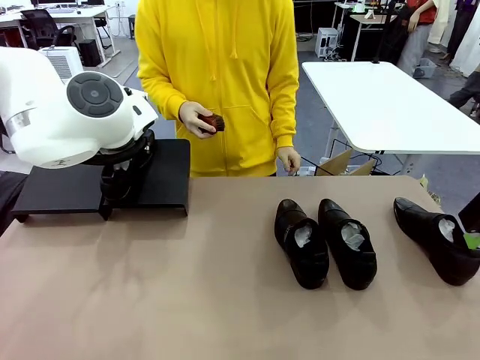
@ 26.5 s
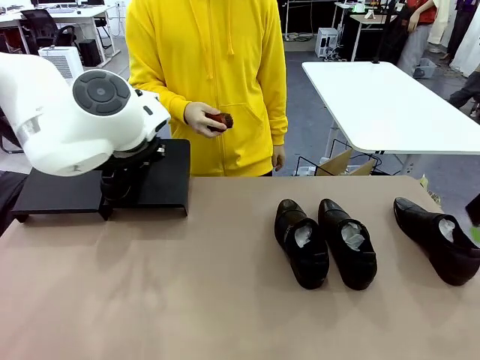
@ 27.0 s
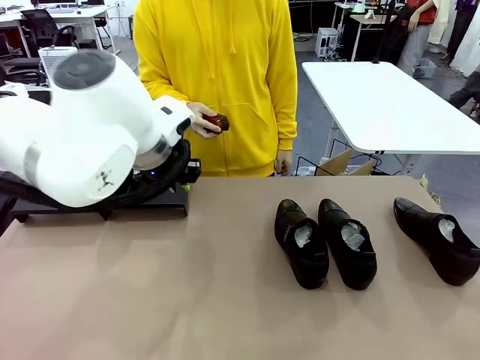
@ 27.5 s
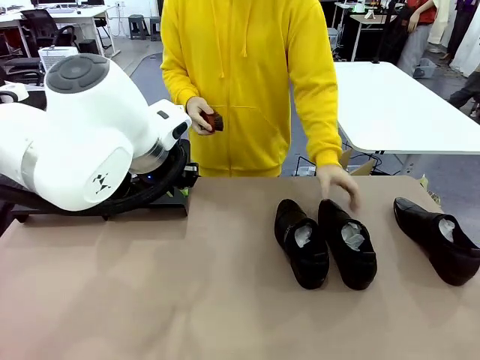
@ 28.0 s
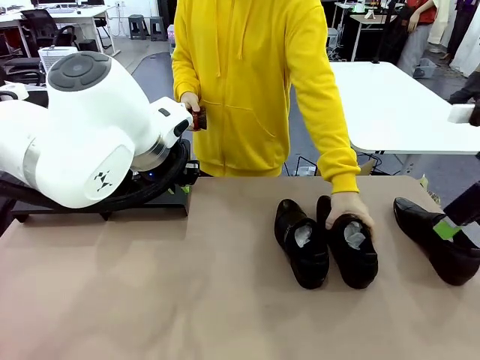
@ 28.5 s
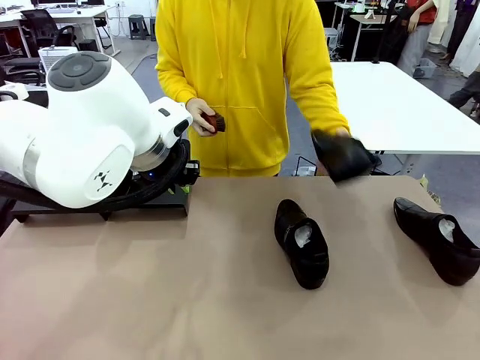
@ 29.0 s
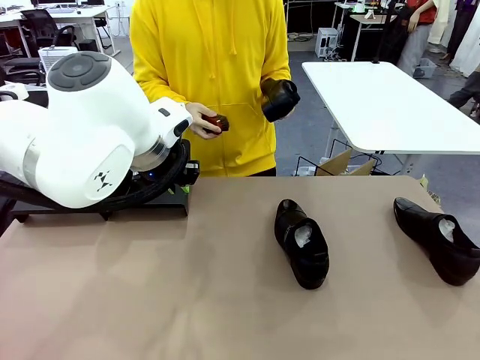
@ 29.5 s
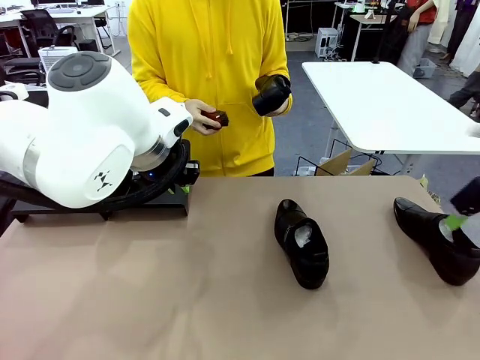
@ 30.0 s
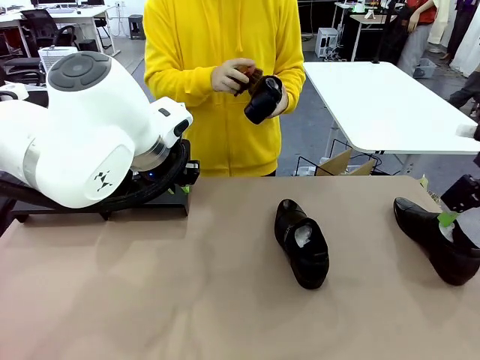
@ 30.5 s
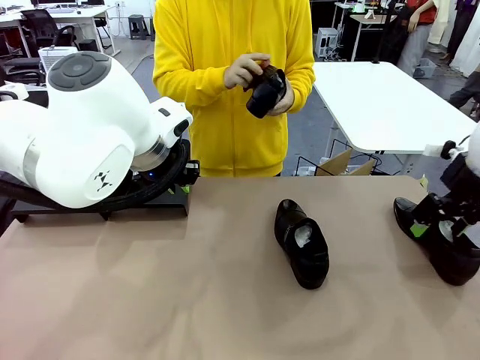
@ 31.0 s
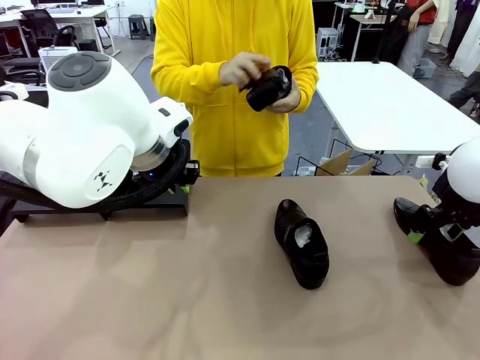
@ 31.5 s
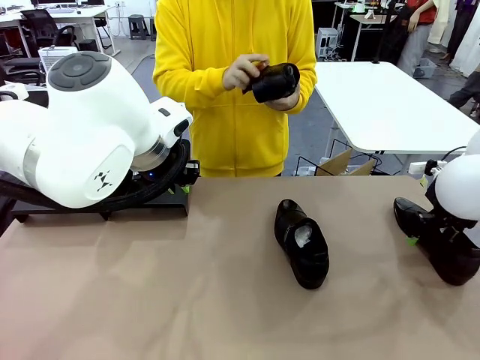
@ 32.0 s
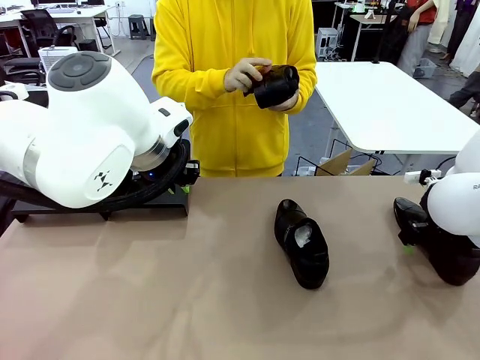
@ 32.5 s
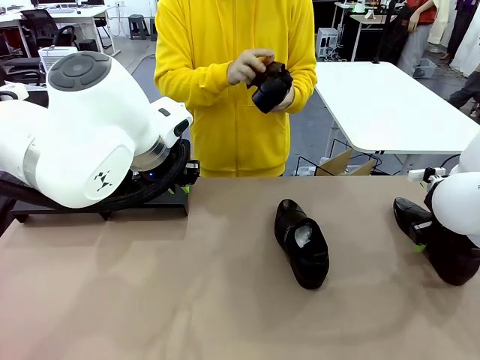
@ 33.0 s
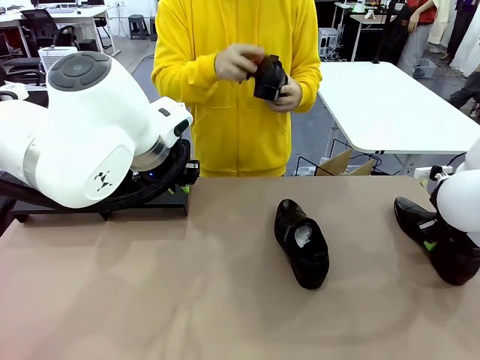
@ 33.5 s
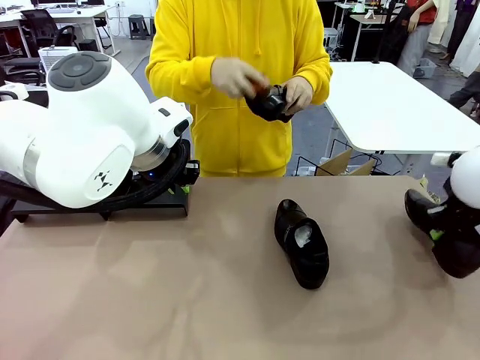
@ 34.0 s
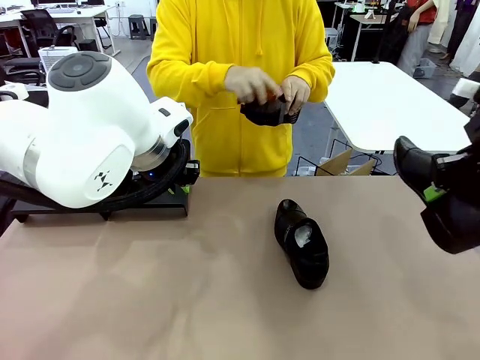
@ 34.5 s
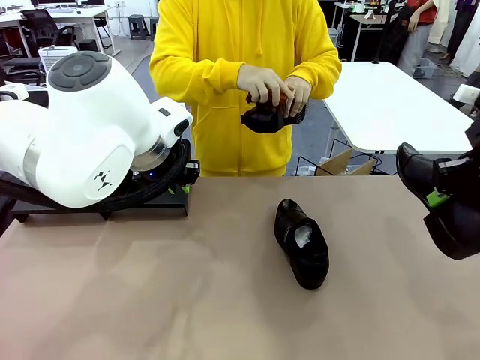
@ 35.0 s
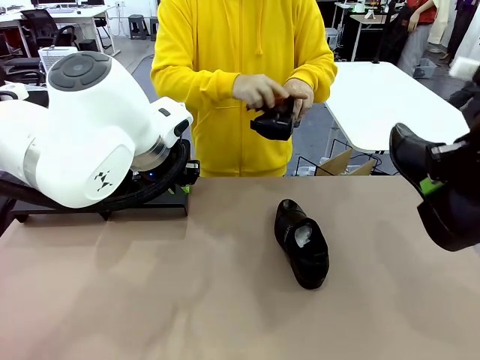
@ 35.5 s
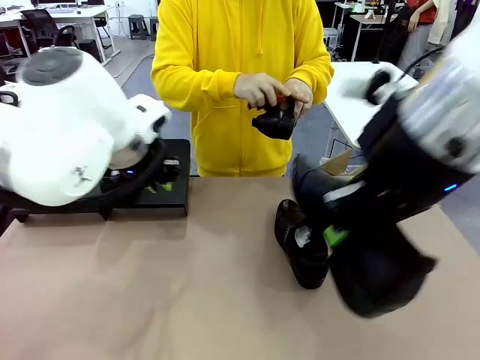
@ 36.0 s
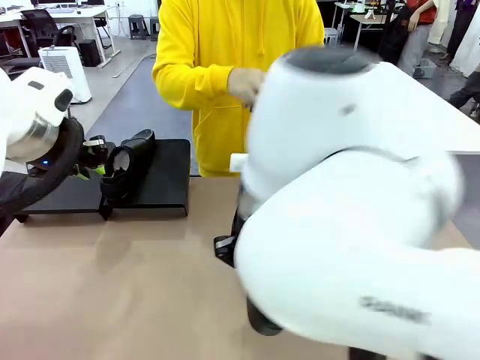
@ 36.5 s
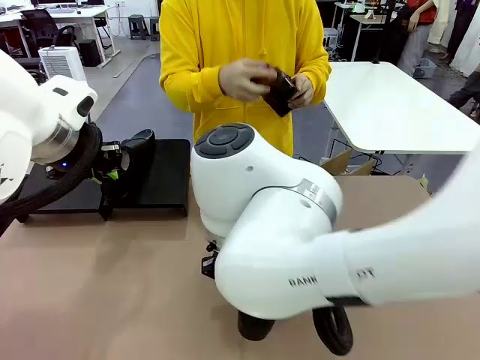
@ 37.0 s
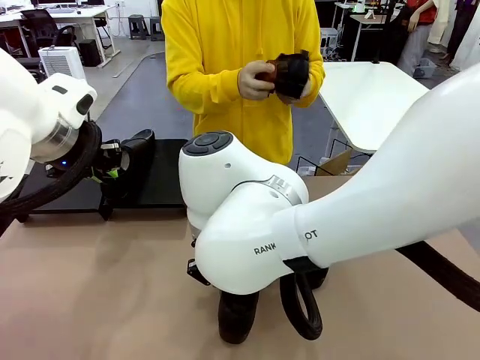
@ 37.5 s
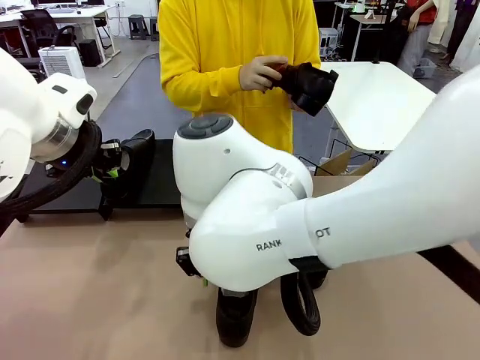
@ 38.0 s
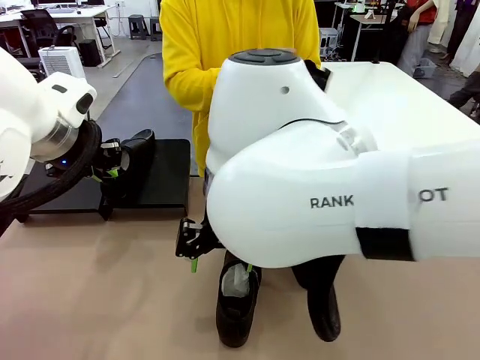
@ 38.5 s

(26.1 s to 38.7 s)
Task: Organize the shoes by placing them on the stand.
Robot: Pick up one Shoe and place it in the middle of the table.
Person: Pick one Shoe on Robot's table.

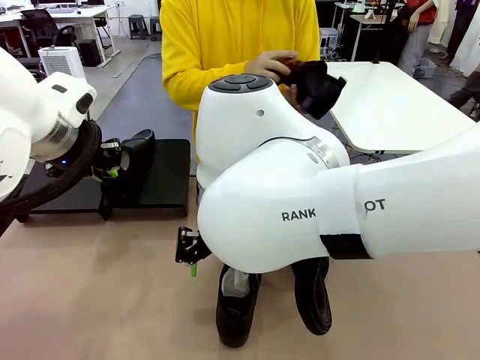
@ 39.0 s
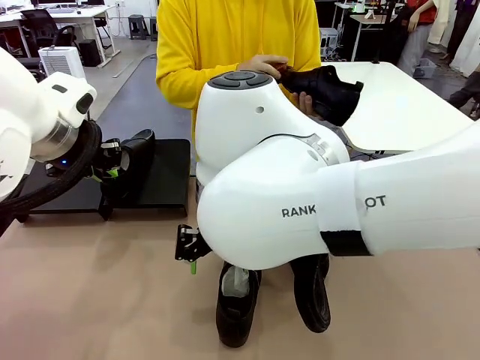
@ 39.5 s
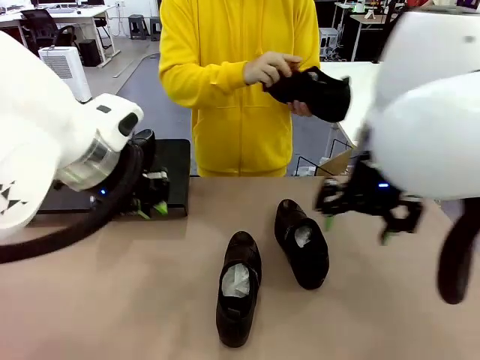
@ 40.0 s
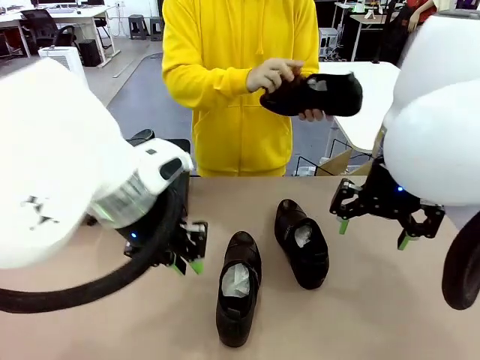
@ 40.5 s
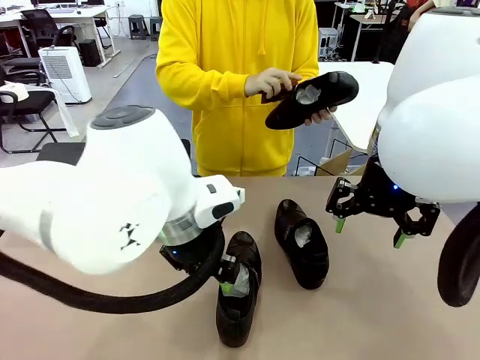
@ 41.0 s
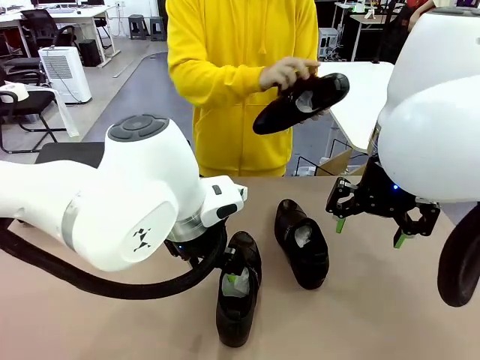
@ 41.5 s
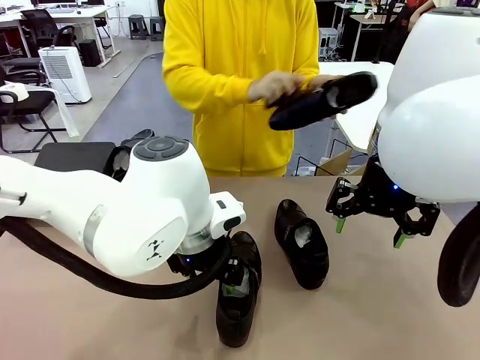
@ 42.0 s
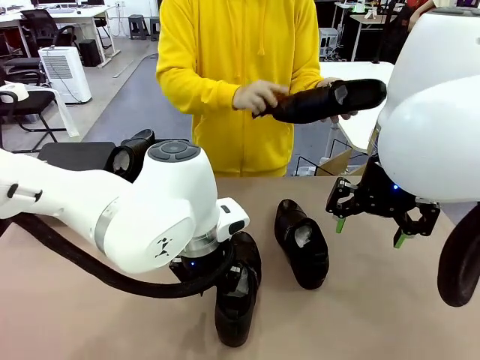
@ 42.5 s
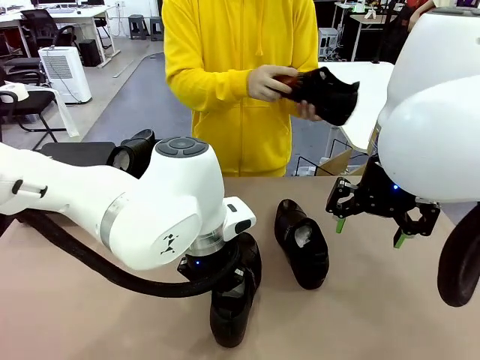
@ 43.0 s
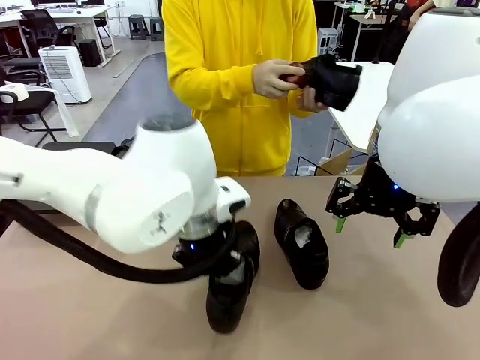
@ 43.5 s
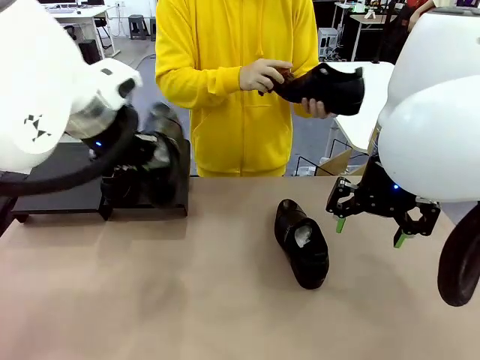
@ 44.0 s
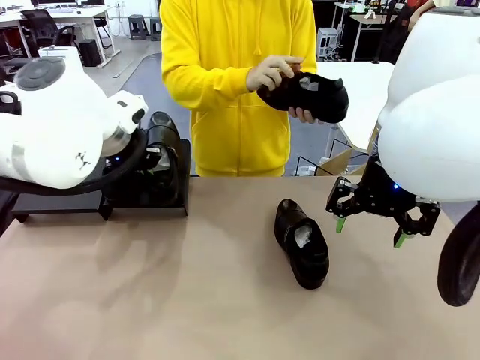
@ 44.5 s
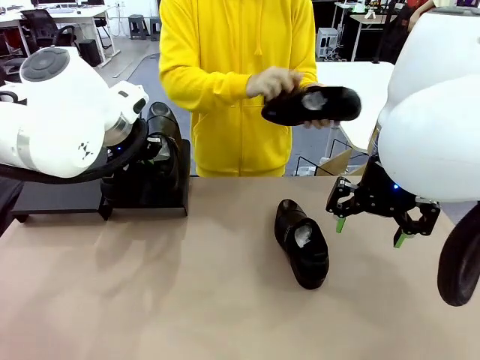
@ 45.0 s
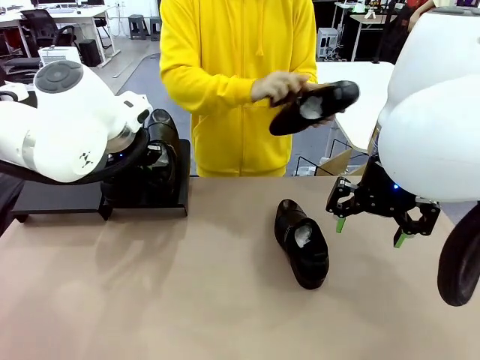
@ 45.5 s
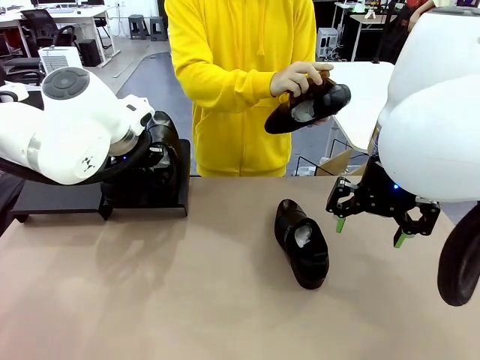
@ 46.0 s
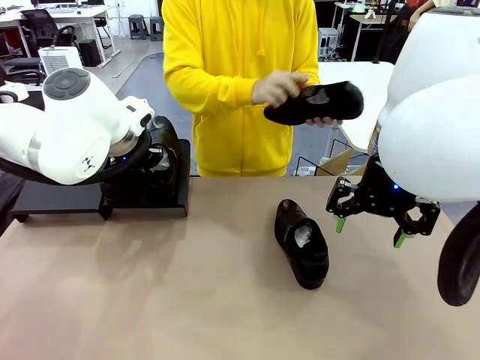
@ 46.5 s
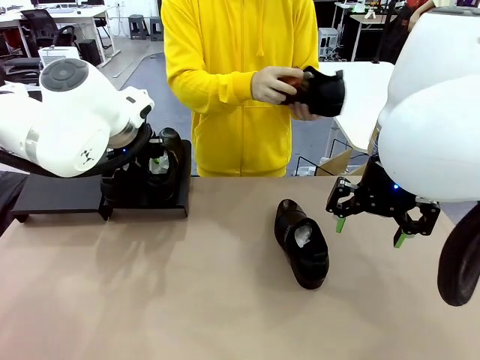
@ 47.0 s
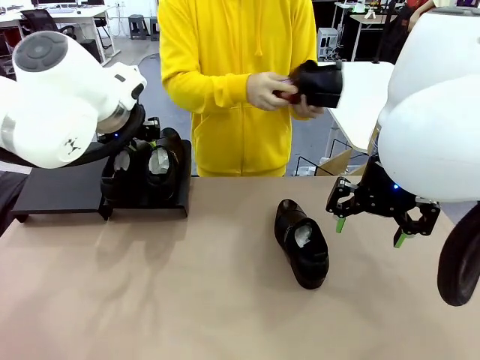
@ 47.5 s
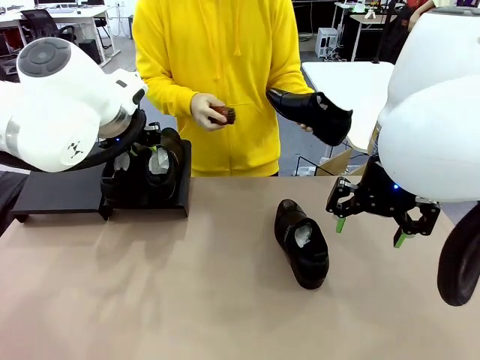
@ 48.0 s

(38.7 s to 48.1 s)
Robot: Place the Shoe from the middle of the table onto the Shoes Stand.
Person: Clean the Shoe with the Shoe Brush.

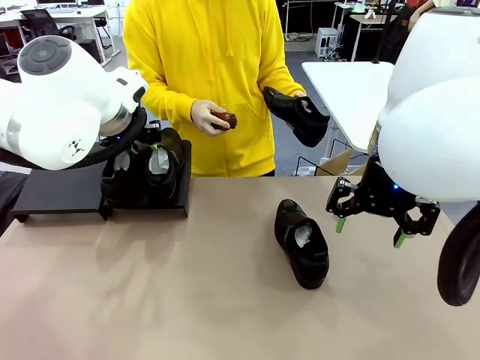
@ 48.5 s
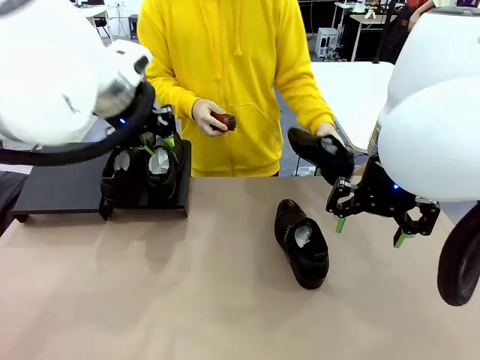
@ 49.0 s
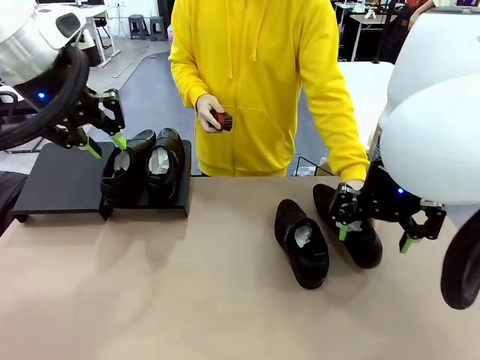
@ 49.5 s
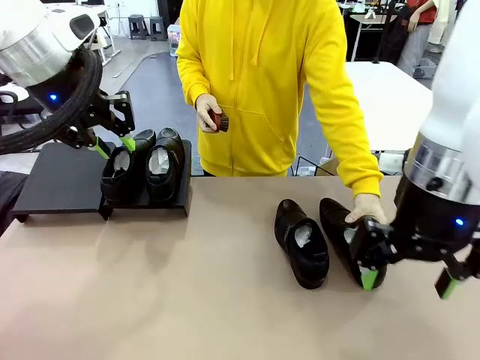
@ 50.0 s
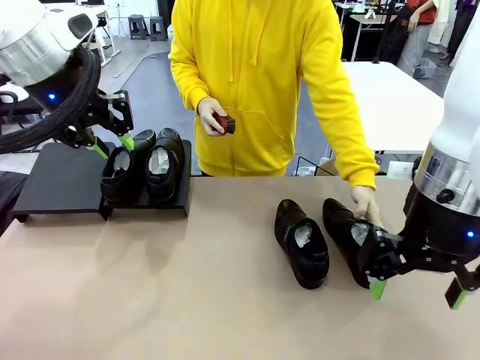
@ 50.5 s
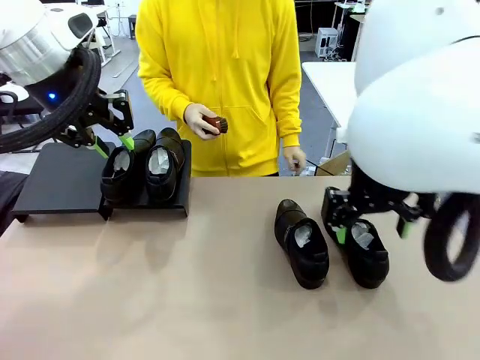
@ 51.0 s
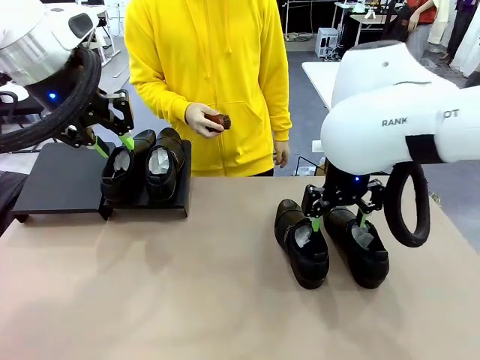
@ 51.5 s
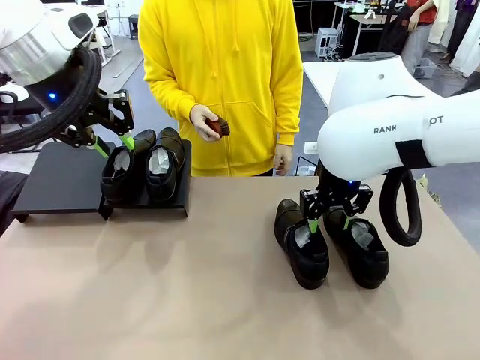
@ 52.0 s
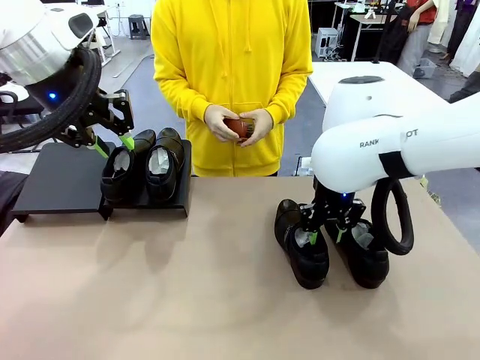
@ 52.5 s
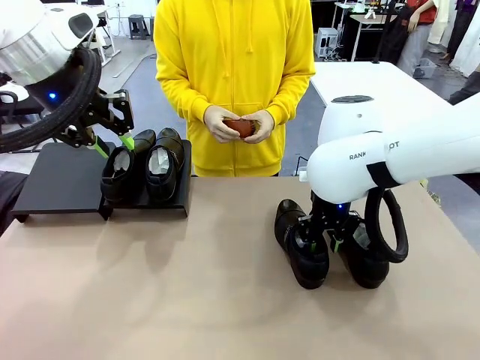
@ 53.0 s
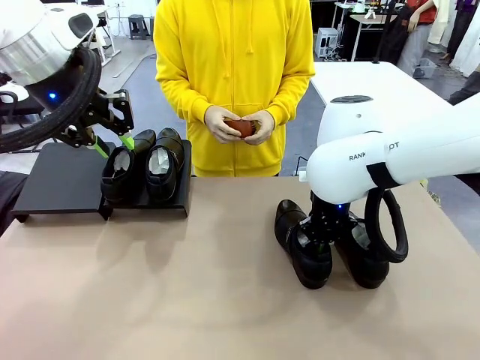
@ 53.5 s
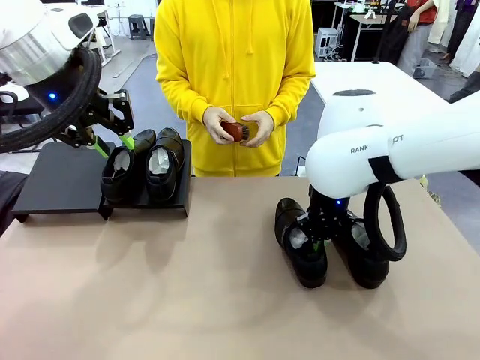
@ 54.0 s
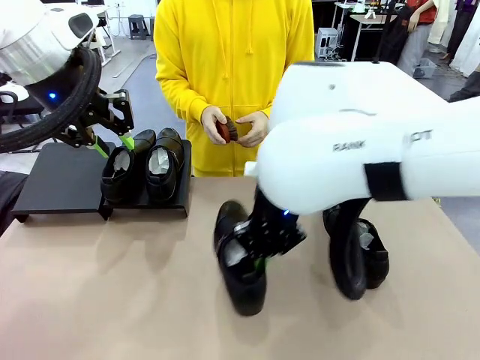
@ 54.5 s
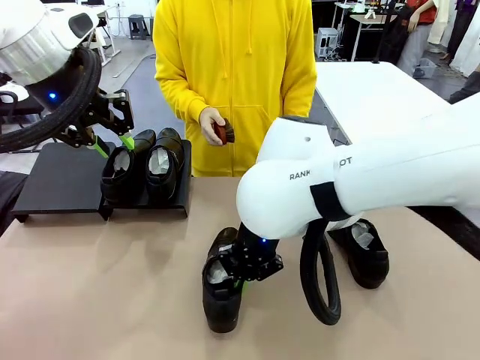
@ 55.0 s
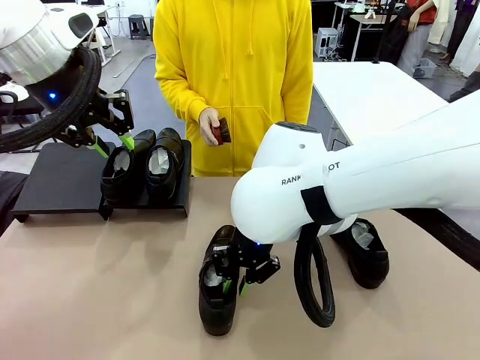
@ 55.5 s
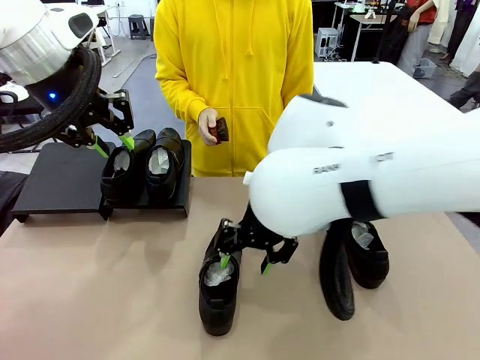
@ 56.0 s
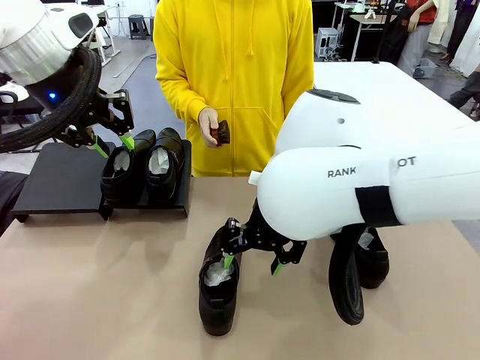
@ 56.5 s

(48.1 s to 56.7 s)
Robot: Pick up one Shoe and place it in the middle of the table.
